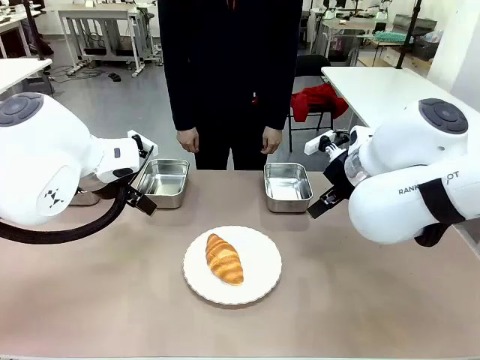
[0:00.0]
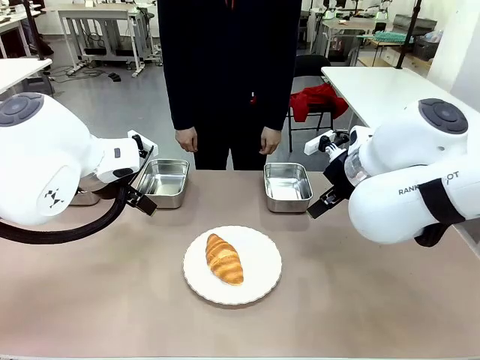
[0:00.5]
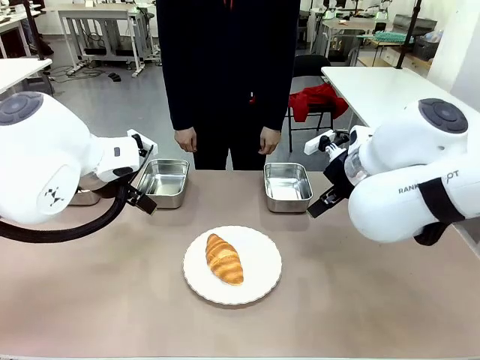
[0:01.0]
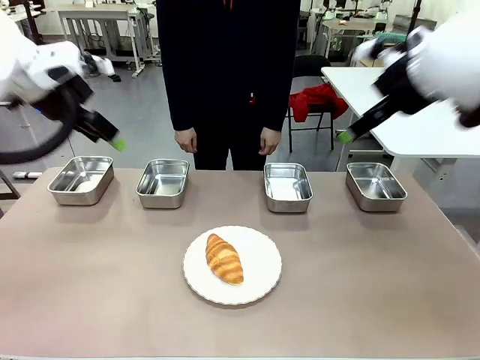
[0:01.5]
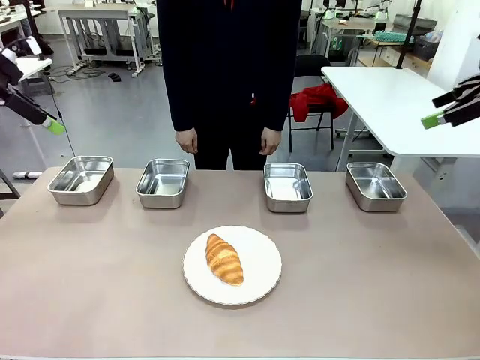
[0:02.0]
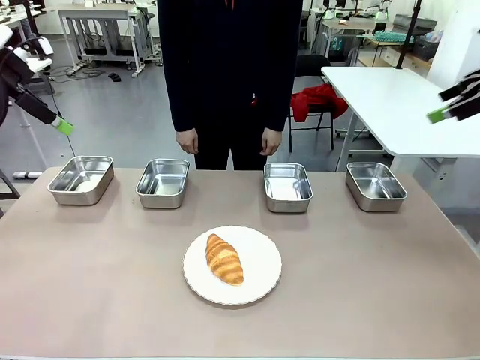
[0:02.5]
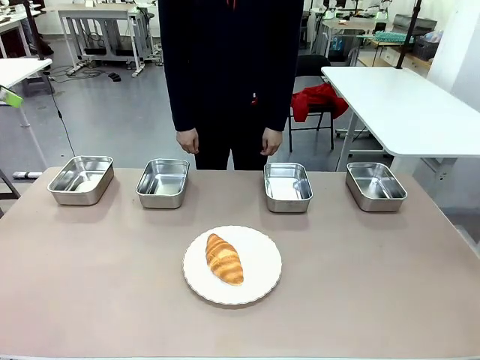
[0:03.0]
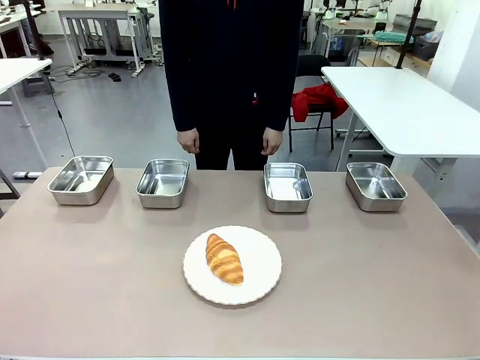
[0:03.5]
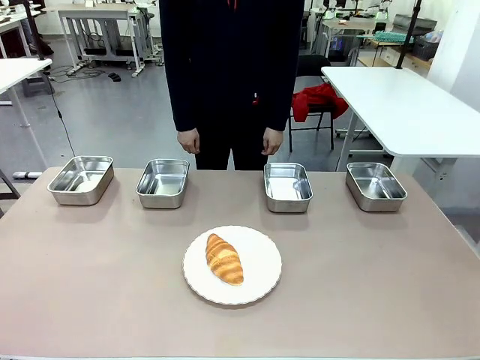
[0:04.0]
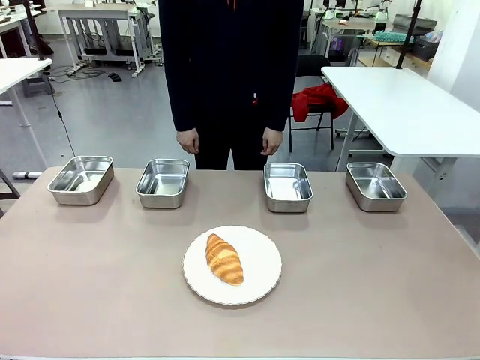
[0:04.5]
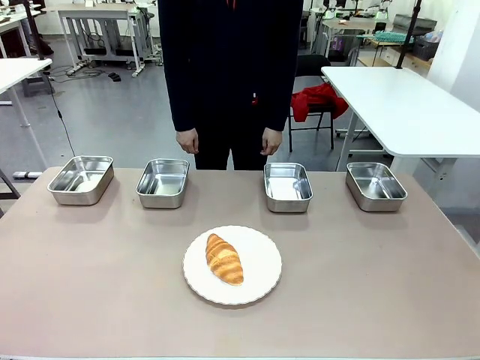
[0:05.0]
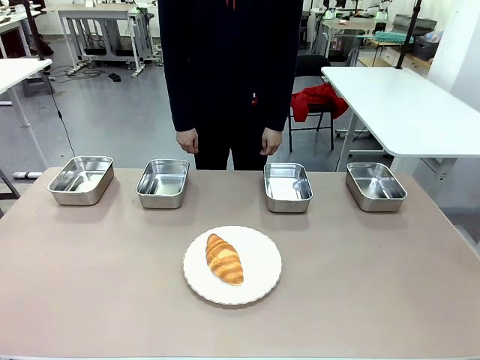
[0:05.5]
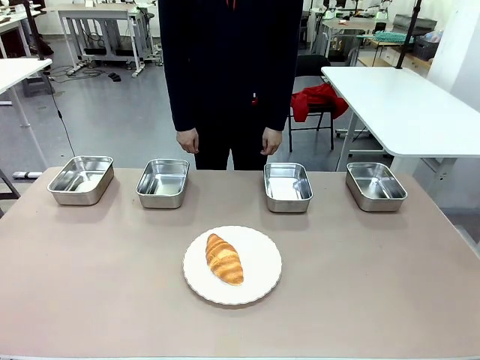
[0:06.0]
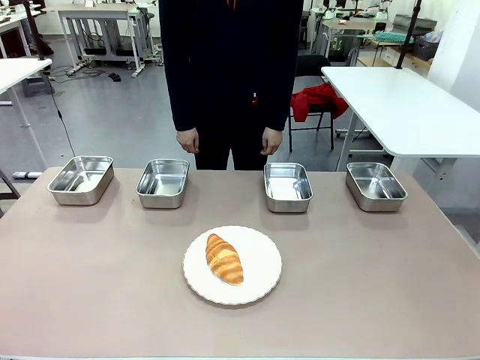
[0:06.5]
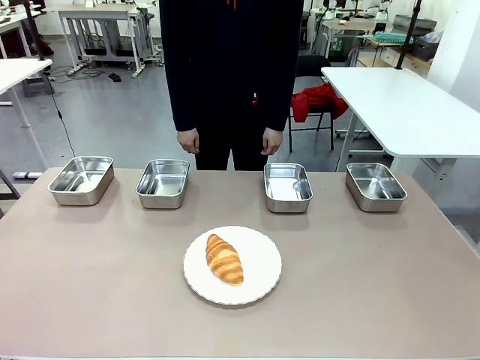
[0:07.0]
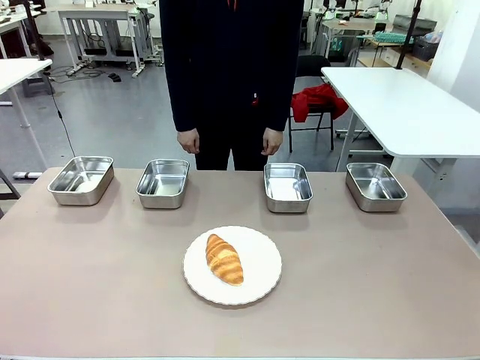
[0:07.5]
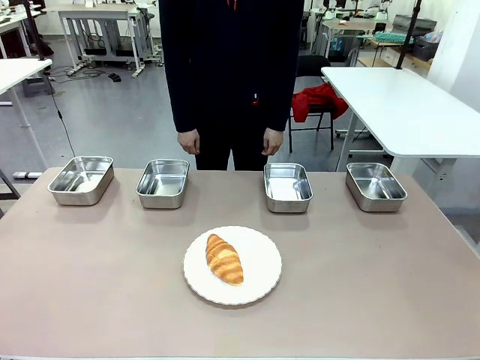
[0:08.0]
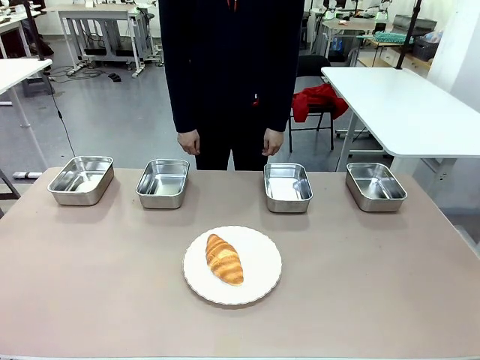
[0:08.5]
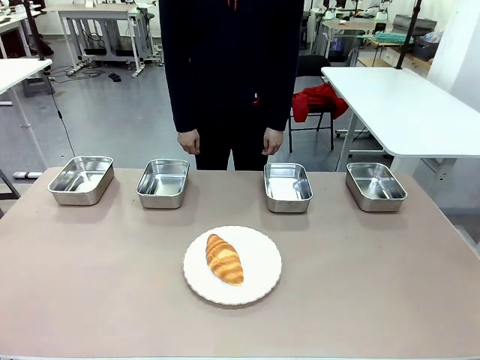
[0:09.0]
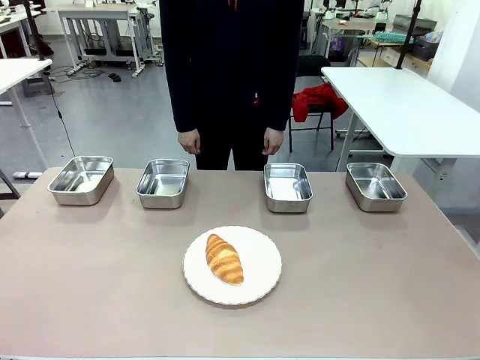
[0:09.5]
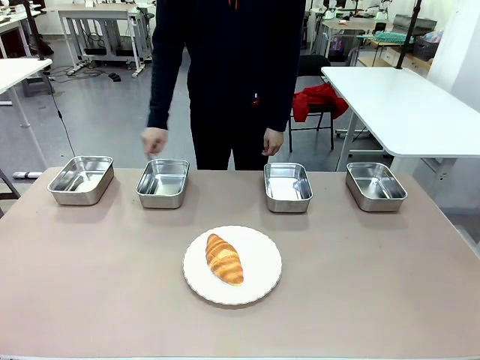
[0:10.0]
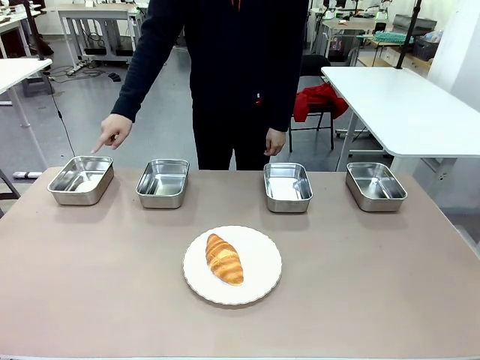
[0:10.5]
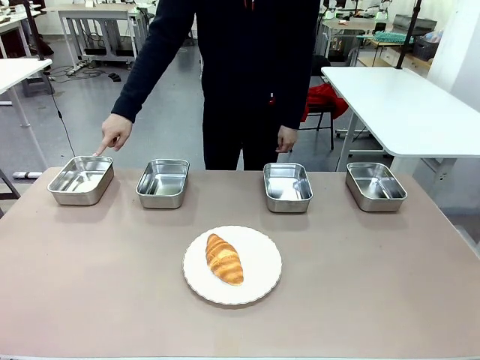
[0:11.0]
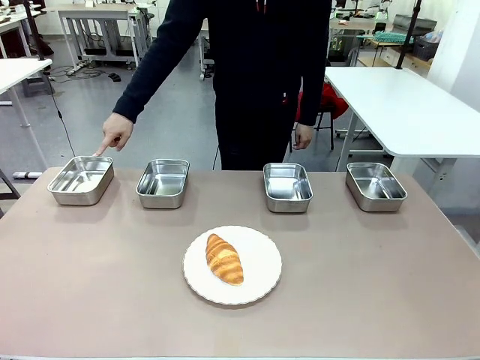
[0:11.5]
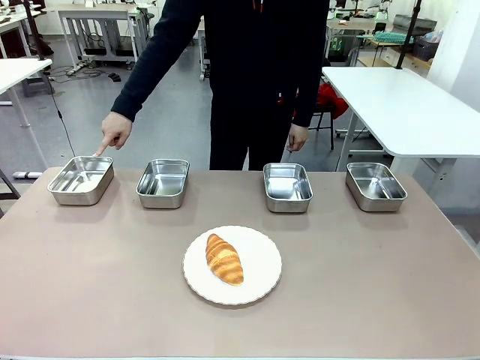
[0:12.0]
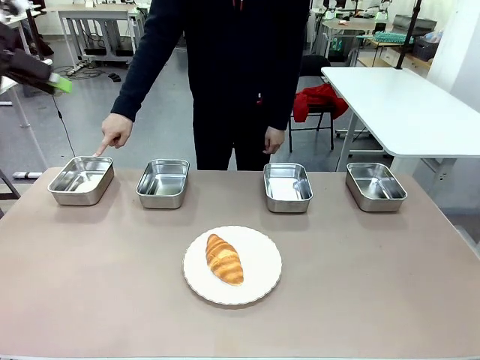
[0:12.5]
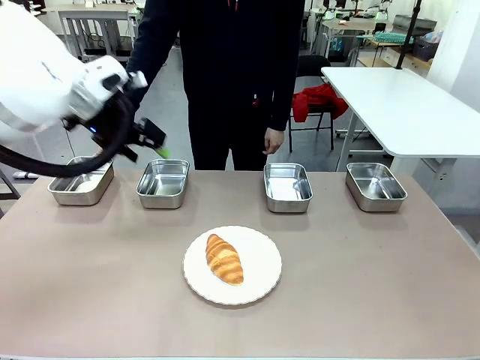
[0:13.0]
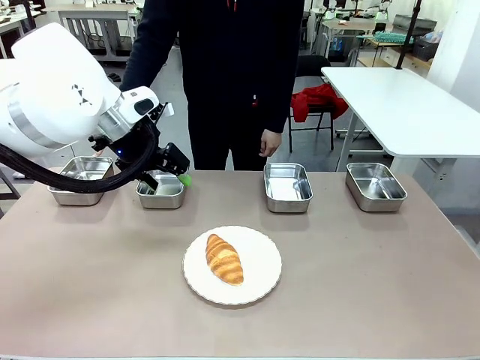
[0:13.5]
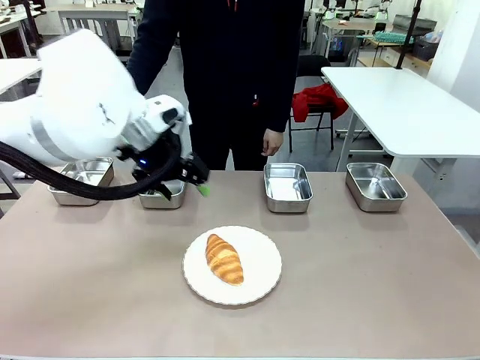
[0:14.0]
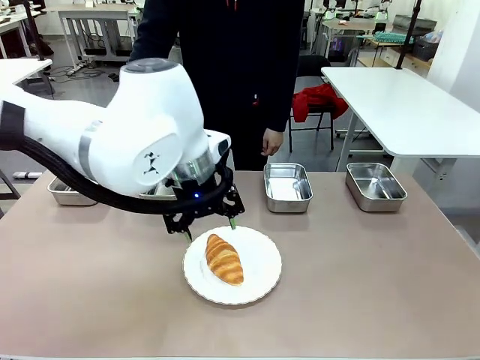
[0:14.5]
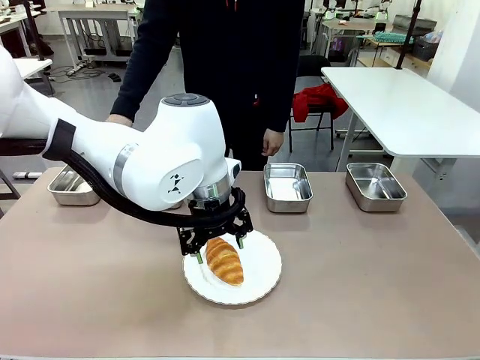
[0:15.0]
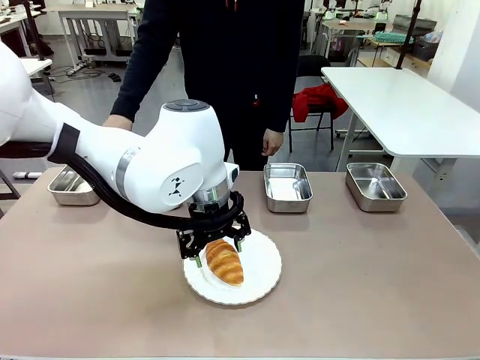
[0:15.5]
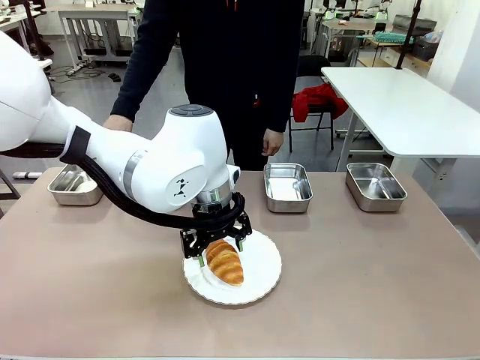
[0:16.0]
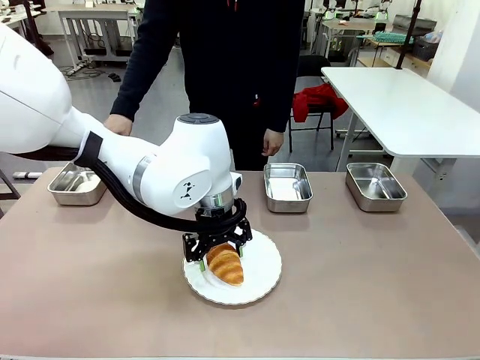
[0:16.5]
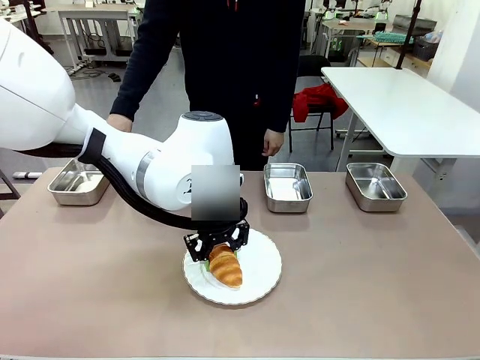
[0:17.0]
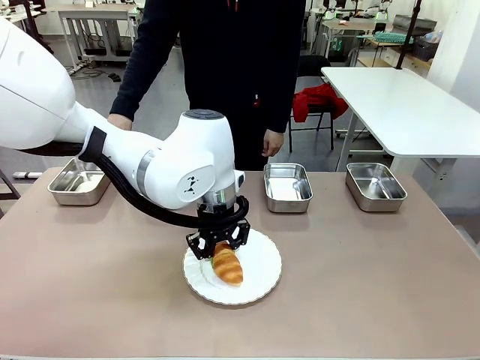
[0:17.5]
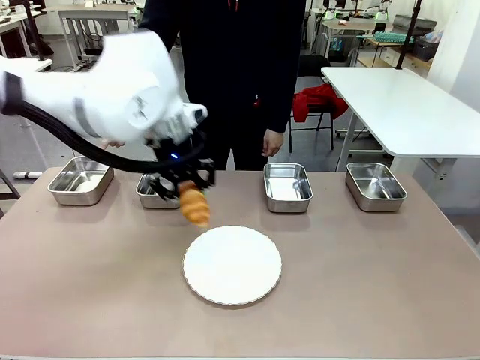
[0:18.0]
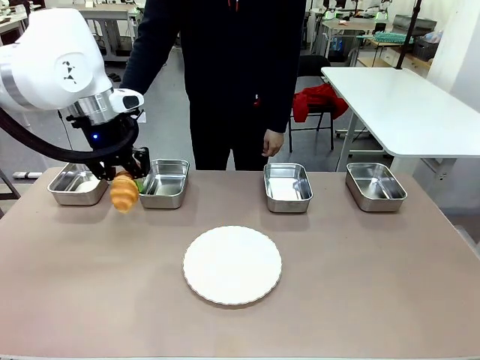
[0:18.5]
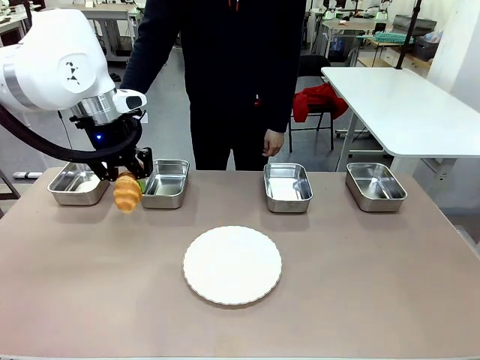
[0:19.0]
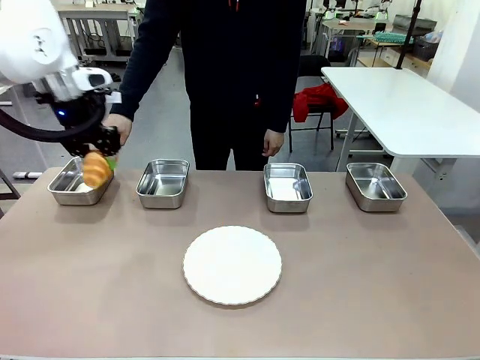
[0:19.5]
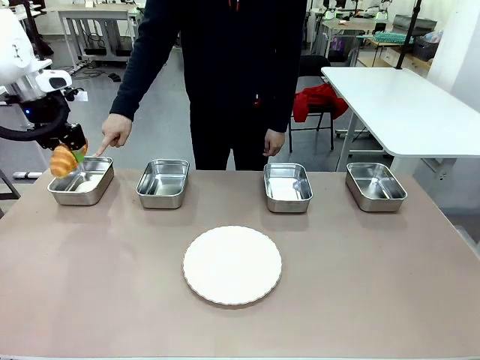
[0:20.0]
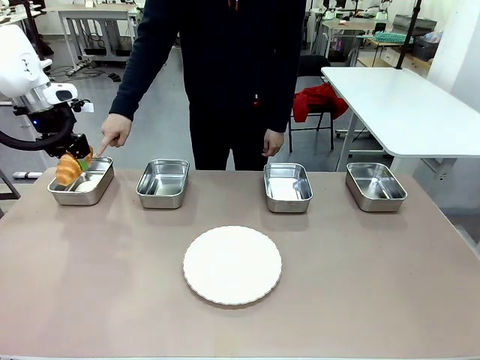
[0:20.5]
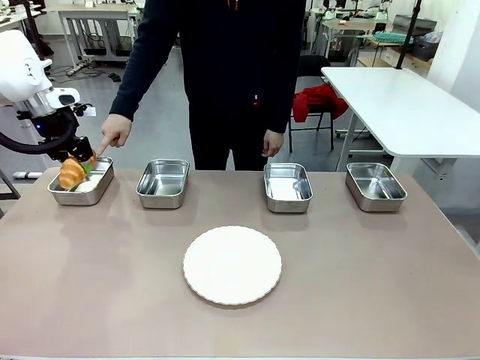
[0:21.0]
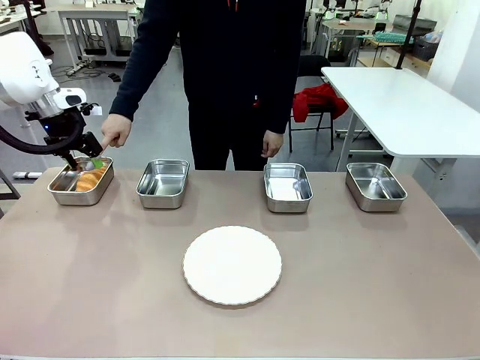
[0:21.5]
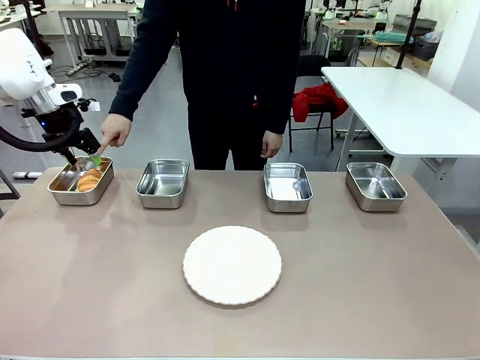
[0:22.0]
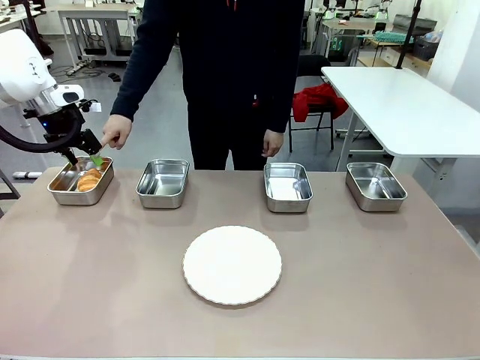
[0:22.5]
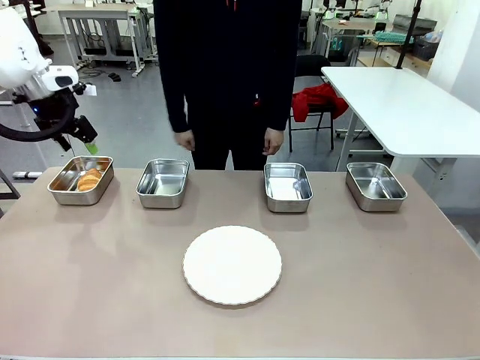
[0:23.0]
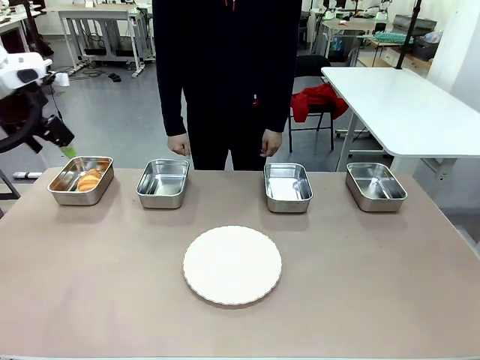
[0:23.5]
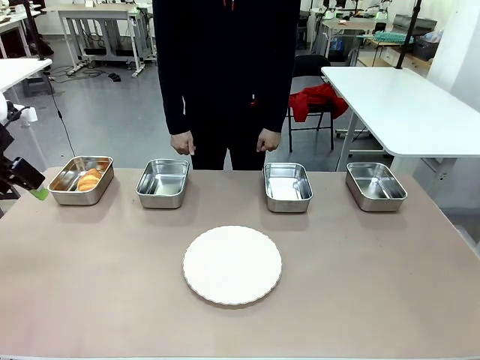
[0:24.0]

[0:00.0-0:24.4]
Task: Place the bread in the container.
Robot: Place the Butter Roll into the Airtight Container indicated by the human.
Person: A person randomly selects and points to an Airtight Container.
